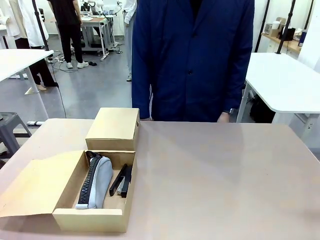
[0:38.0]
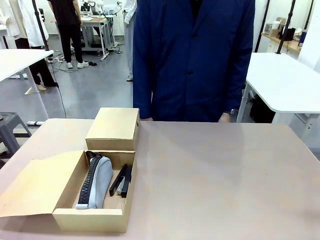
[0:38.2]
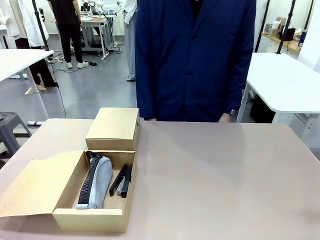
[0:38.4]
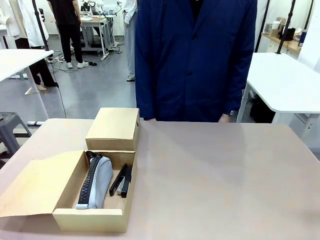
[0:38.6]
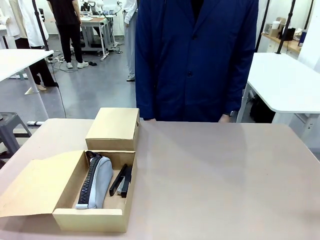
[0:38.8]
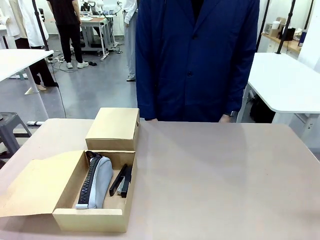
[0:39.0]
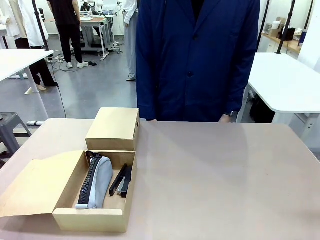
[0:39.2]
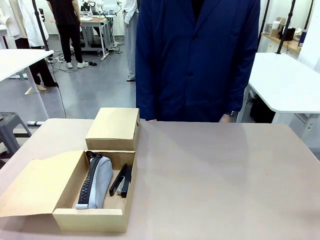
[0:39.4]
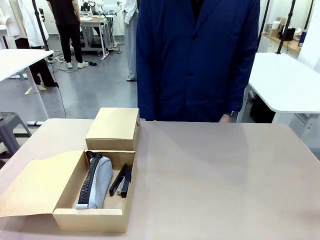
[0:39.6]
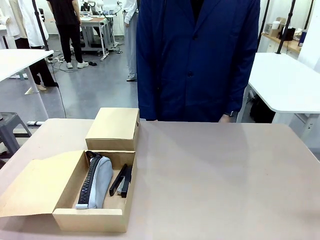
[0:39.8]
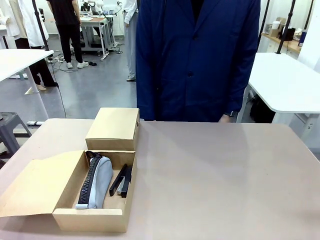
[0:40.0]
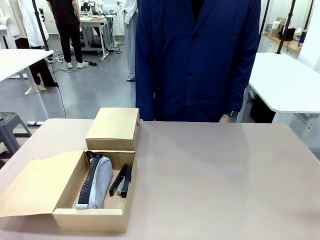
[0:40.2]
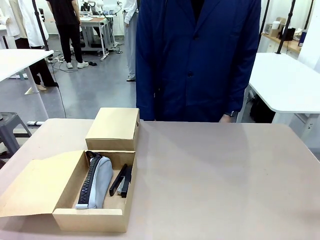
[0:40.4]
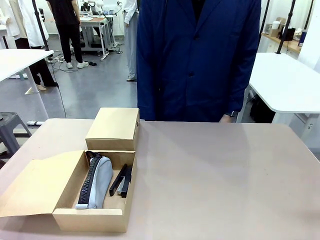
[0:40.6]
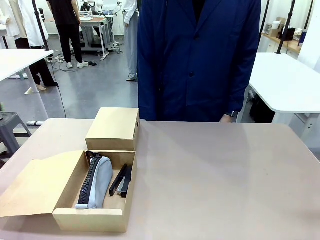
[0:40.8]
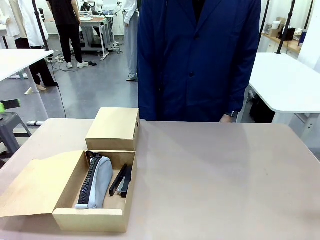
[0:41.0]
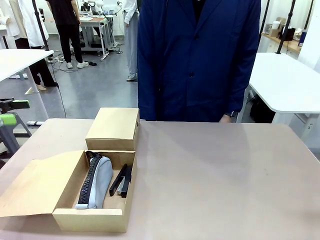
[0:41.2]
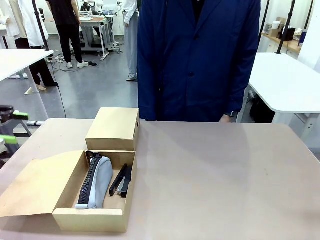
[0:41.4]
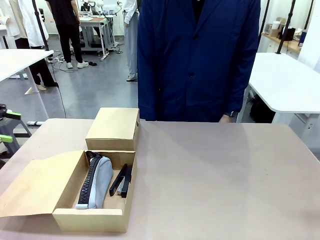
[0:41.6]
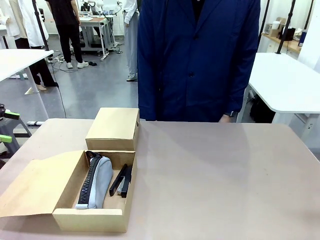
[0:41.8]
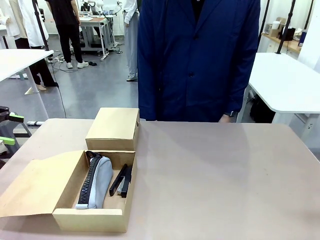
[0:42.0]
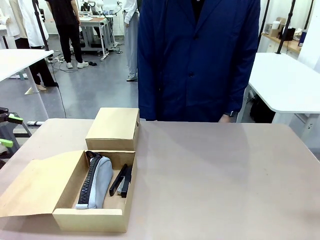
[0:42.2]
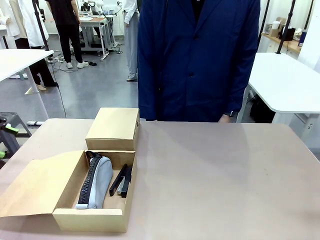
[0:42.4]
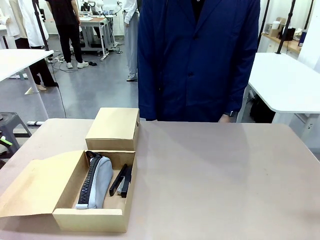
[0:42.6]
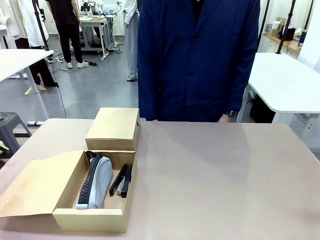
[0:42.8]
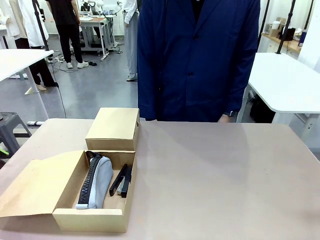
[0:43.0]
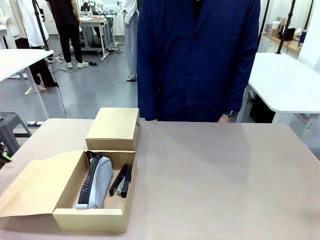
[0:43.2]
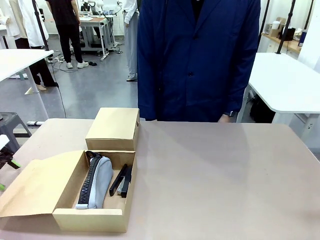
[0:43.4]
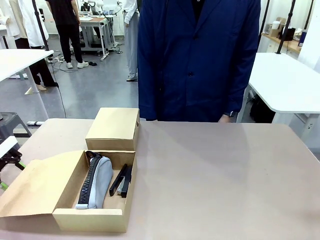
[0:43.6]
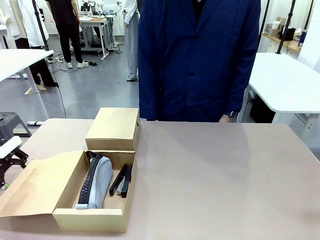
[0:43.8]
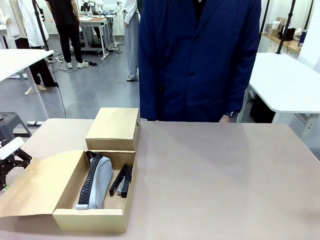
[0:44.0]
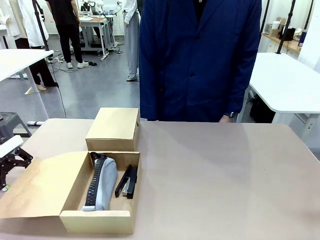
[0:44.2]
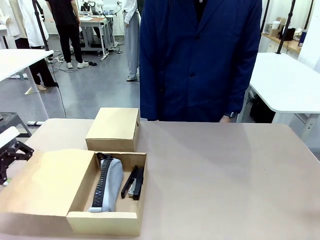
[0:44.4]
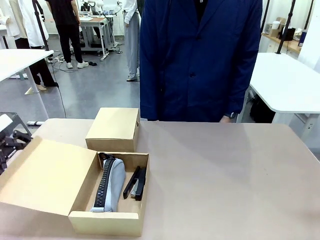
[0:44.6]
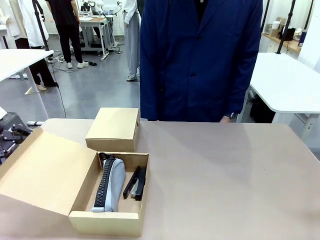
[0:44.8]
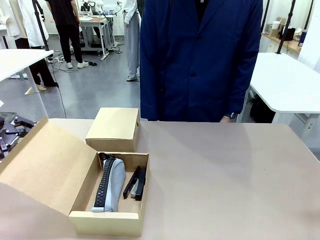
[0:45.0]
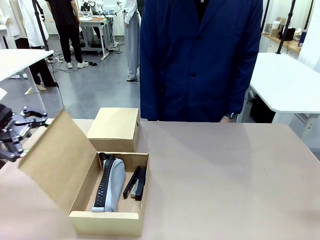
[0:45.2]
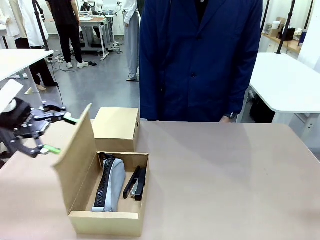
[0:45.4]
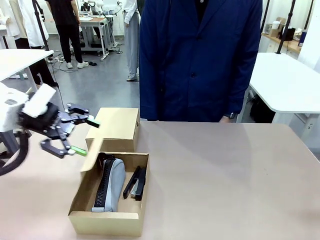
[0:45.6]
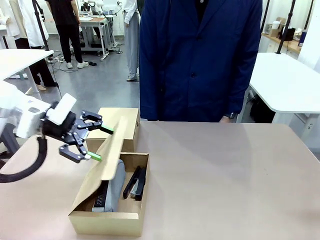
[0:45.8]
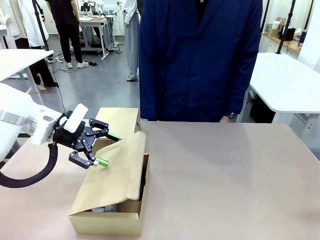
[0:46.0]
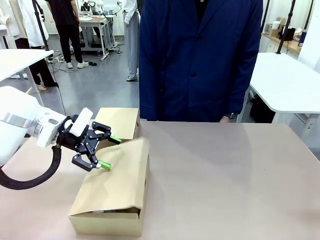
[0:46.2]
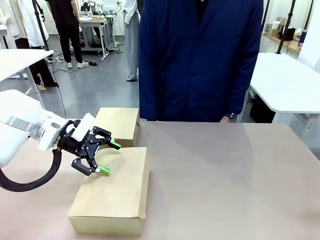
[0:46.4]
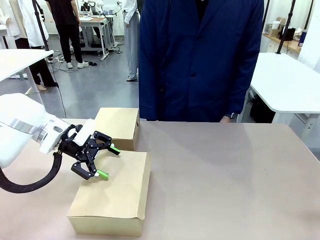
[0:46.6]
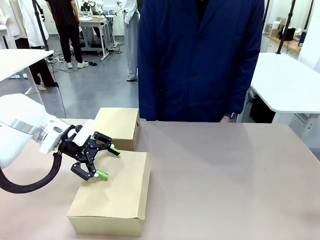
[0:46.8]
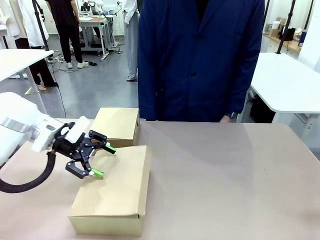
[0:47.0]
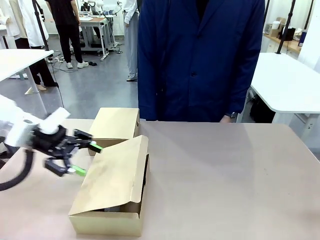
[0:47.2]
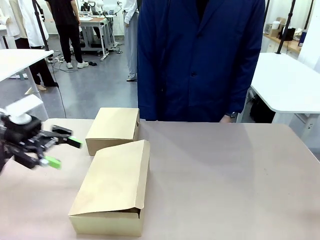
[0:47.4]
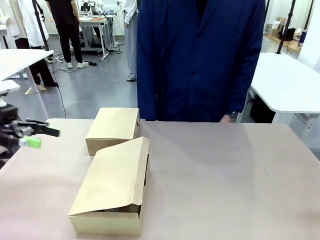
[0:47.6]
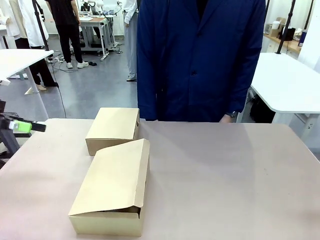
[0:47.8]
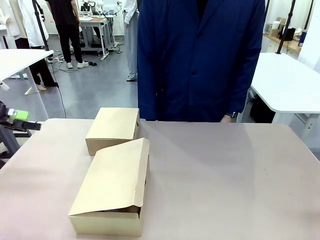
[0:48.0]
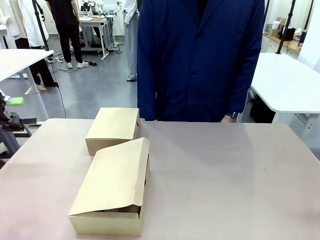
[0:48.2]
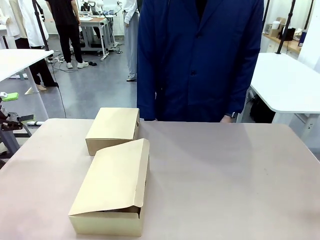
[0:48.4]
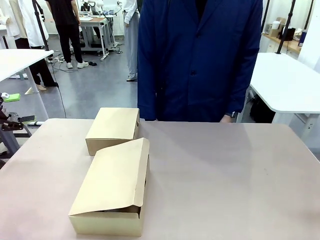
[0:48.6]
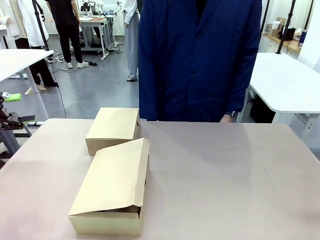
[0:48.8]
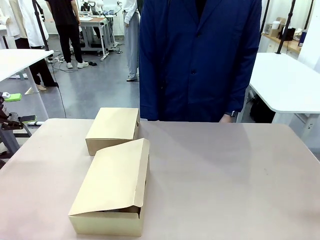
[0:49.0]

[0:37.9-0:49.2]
Task: Place items inside the box.
Robot: Close the lid of the Mailer Box closest to the robot.
Person: Close the lid of the box facing the person.

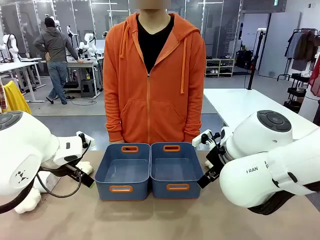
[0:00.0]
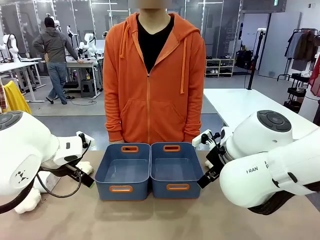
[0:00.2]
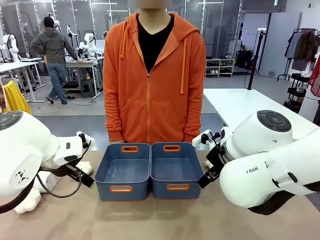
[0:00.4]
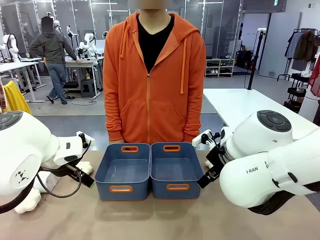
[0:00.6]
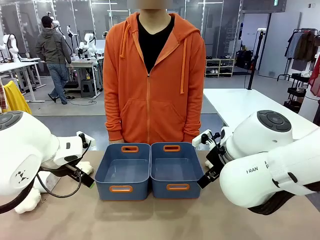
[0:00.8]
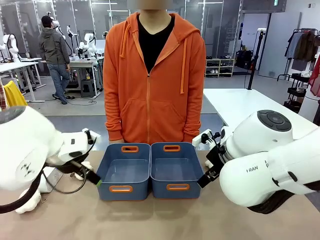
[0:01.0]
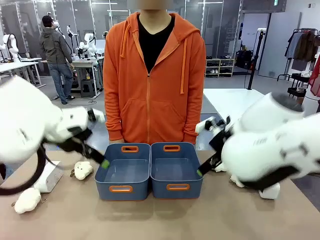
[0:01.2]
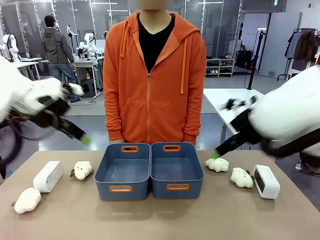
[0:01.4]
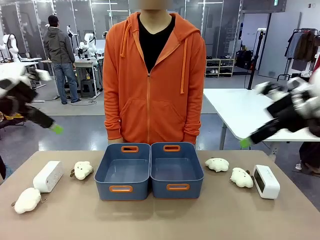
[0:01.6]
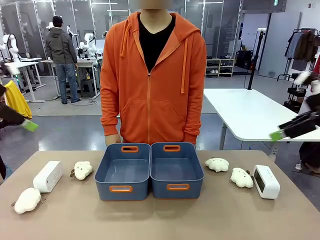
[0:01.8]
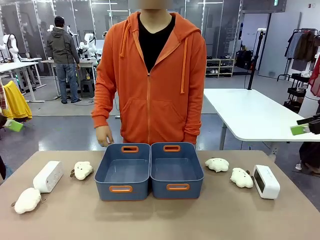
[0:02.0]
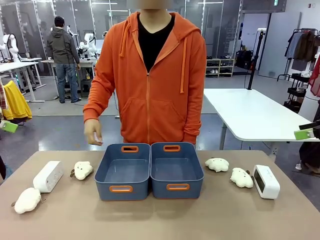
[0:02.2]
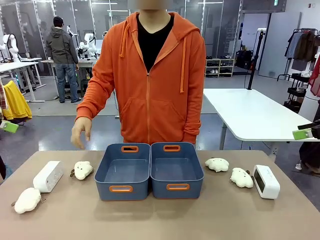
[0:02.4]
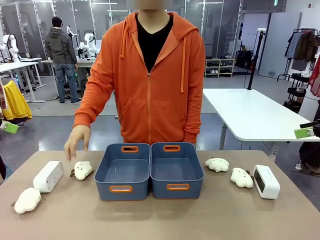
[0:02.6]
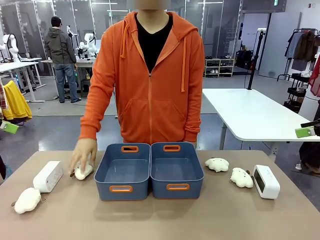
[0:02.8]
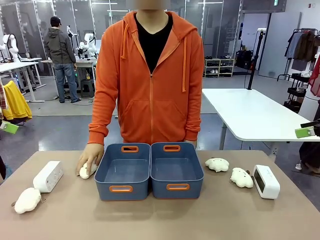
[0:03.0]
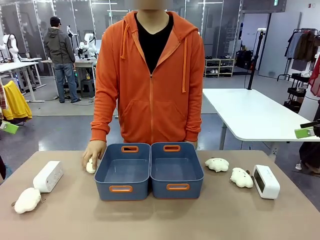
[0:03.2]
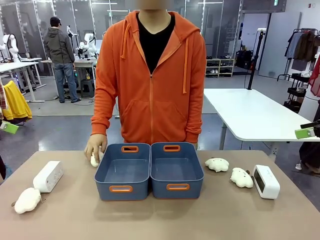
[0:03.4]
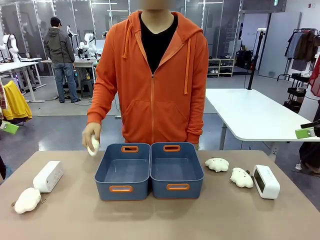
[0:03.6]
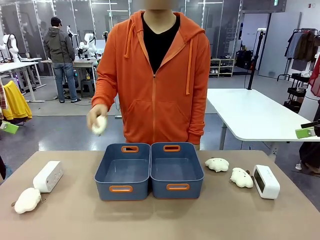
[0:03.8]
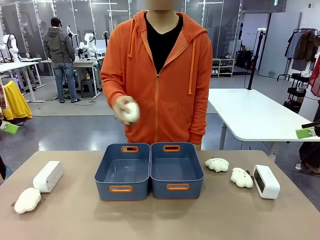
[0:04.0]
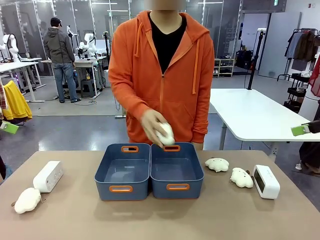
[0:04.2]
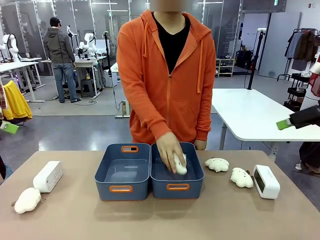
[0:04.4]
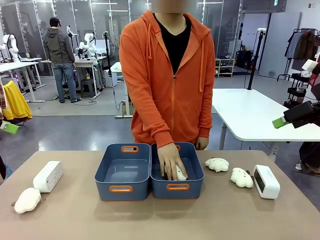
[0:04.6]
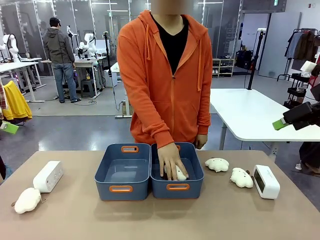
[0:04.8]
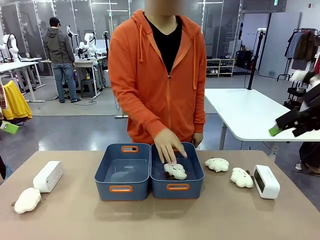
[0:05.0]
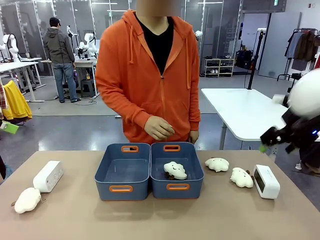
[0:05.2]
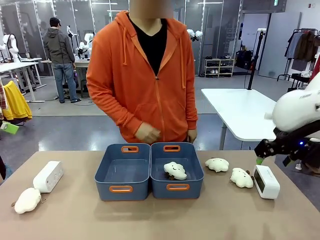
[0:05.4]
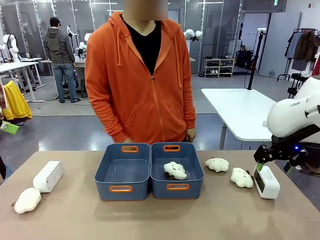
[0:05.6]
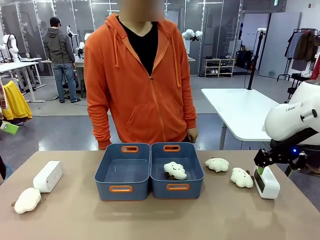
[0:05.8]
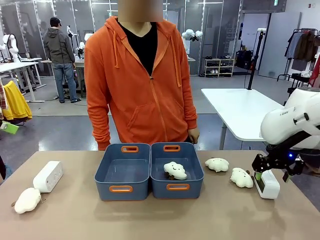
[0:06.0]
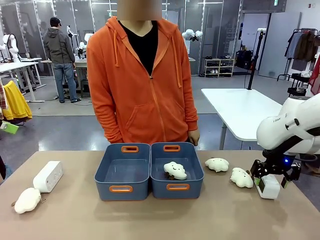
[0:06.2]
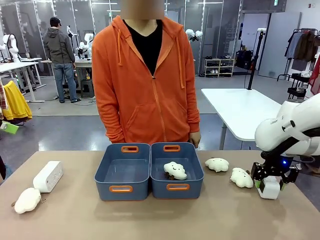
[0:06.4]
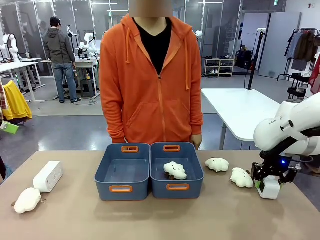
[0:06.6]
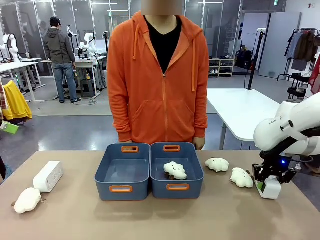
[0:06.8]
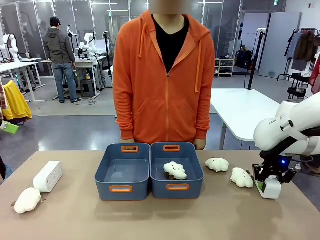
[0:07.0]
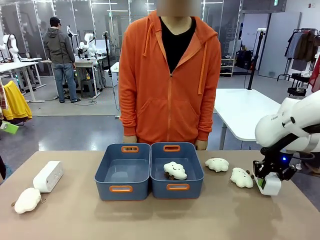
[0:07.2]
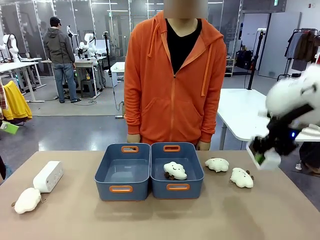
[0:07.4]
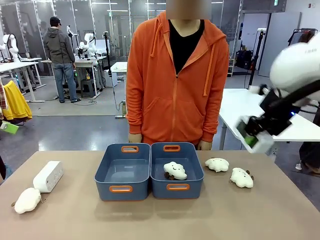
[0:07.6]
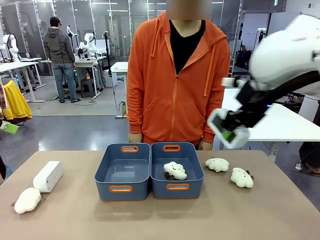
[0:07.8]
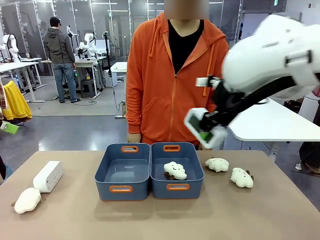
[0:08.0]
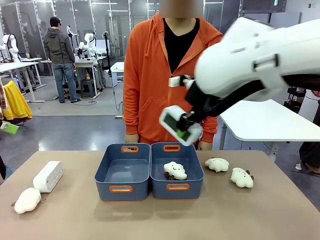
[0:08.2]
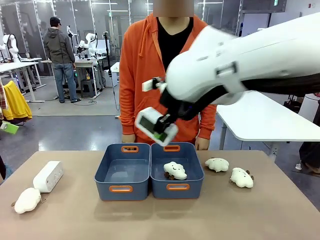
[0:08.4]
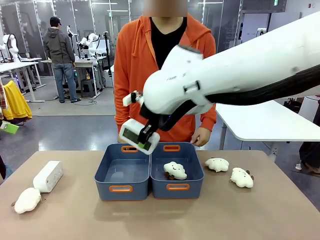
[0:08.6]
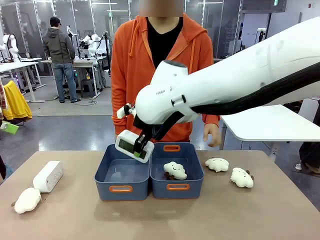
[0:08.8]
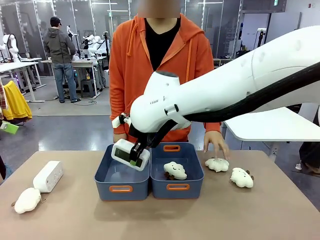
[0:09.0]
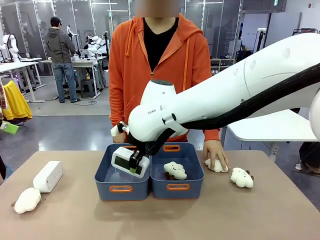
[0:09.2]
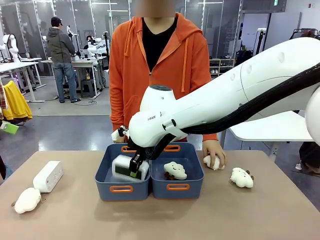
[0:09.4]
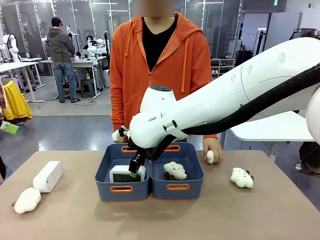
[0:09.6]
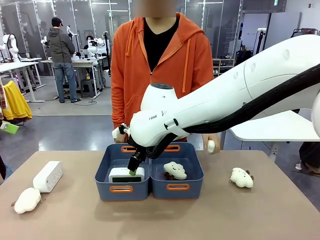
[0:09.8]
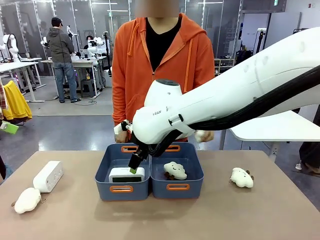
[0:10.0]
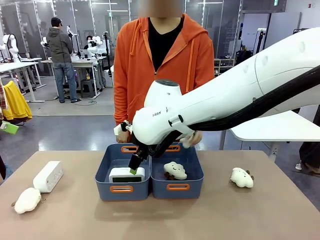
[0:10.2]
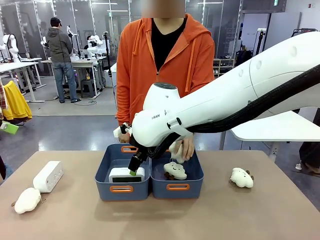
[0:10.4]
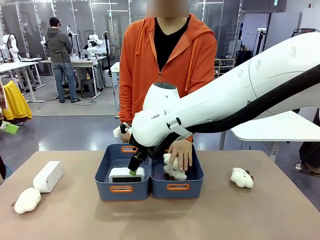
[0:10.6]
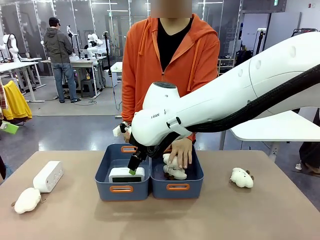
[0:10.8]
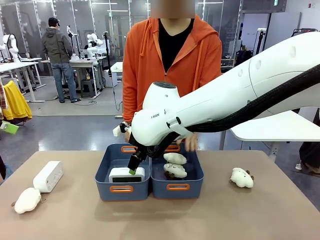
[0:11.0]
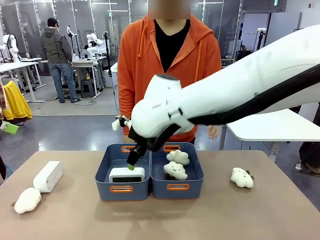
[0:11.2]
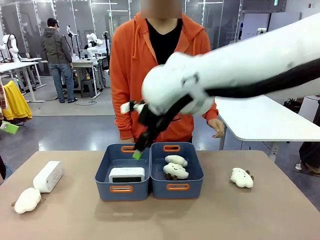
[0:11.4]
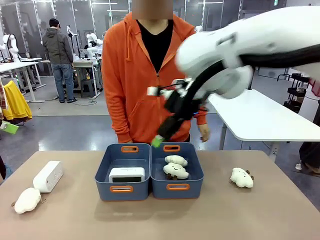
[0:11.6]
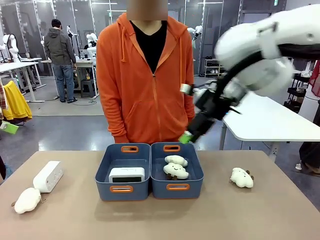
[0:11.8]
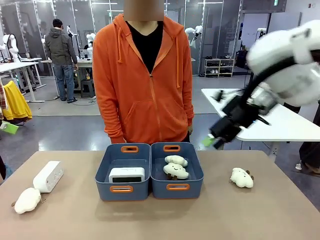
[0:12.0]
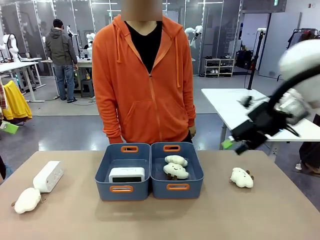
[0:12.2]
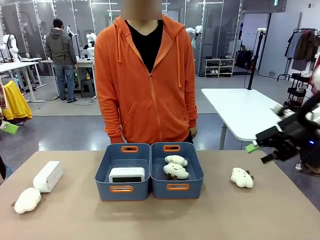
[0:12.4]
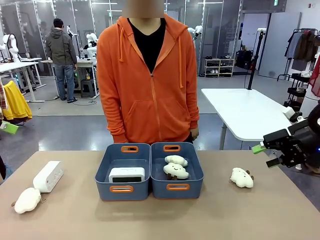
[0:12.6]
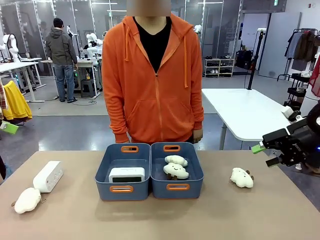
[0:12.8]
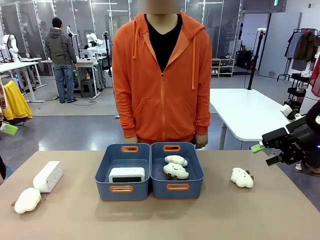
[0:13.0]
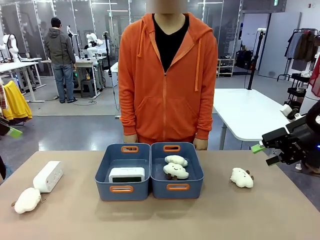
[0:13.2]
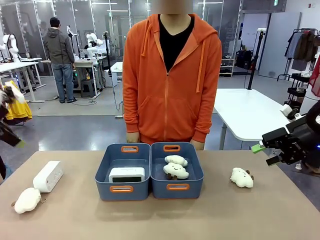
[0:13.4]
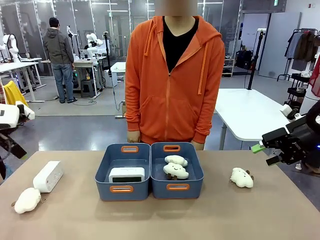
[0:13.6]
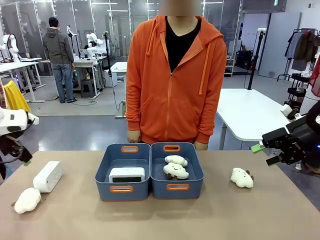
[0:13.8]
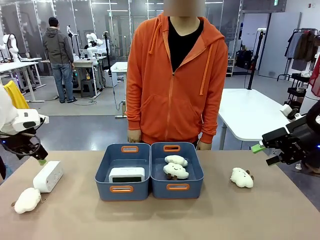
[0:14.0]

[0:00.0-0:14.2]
Task: Sort the digital clocks into the basket.
Robot: Pick up the Digital clock from the table and place it into the empty Plastic storage basket.
Person: Pick up a plush toy from the table and place it in a plastic storage basket.
